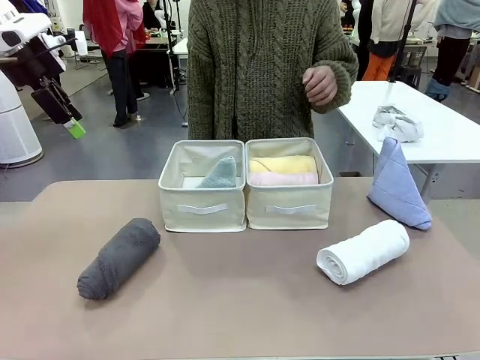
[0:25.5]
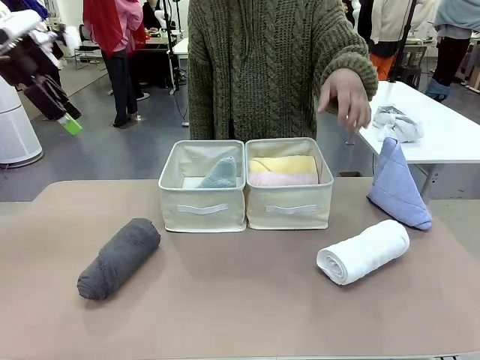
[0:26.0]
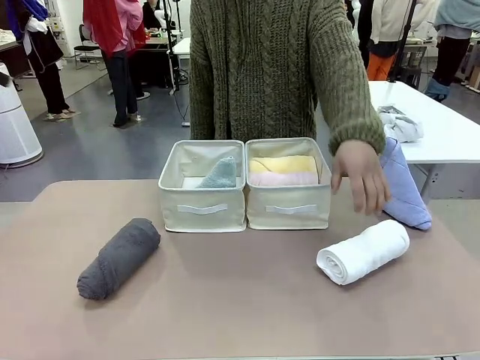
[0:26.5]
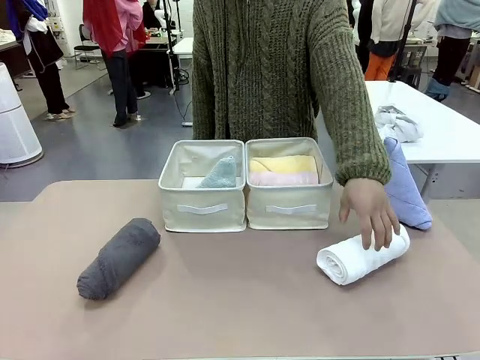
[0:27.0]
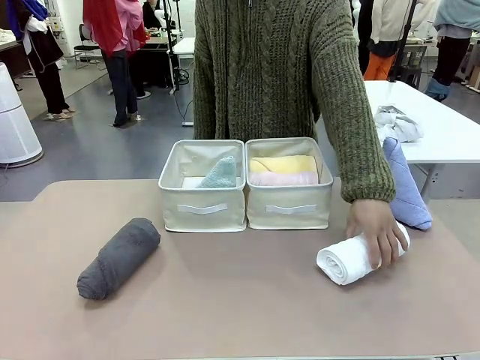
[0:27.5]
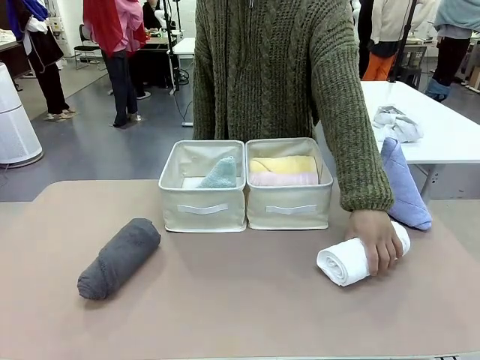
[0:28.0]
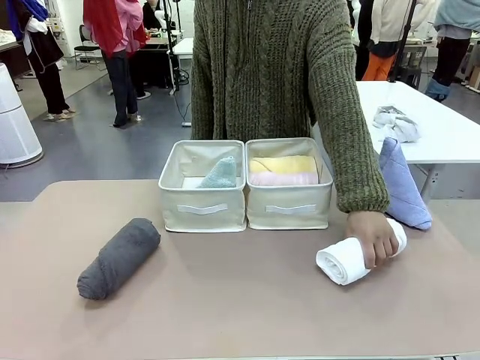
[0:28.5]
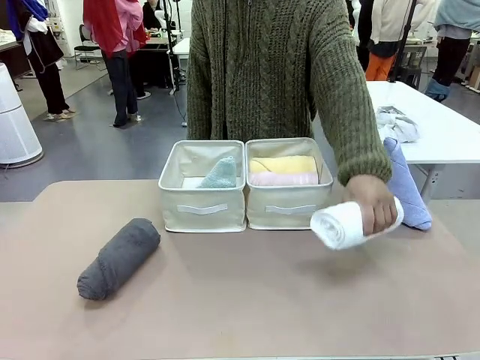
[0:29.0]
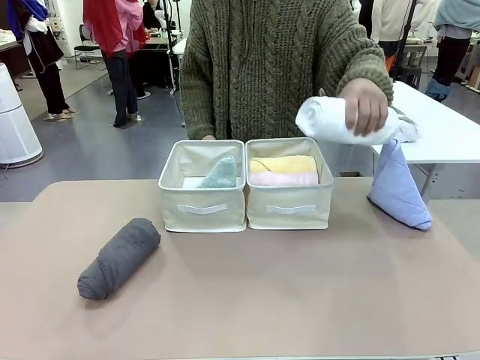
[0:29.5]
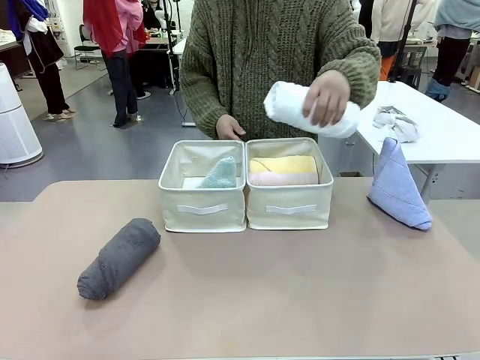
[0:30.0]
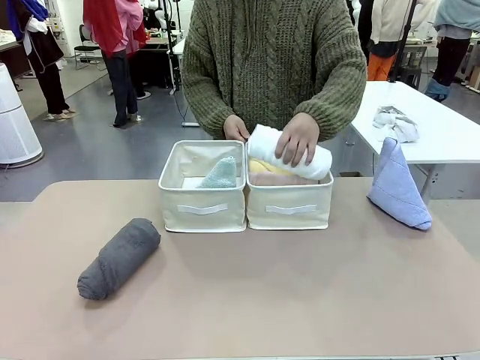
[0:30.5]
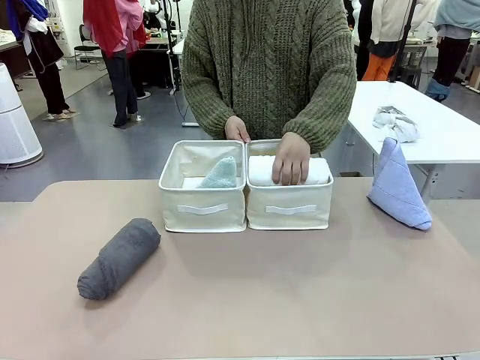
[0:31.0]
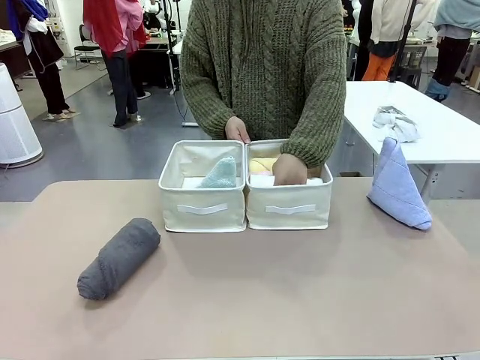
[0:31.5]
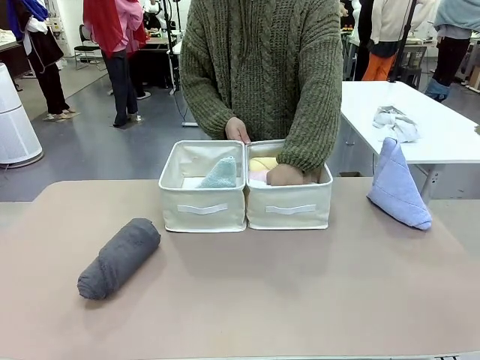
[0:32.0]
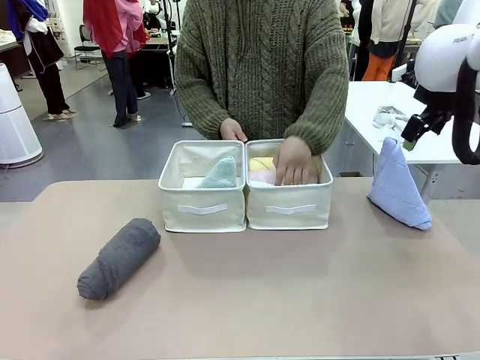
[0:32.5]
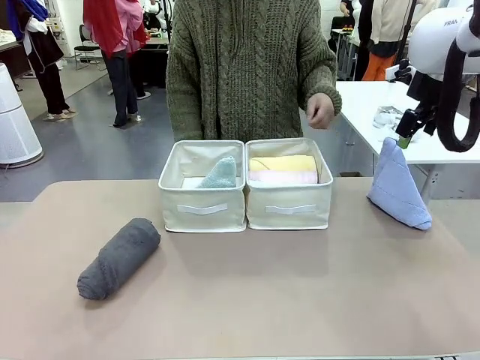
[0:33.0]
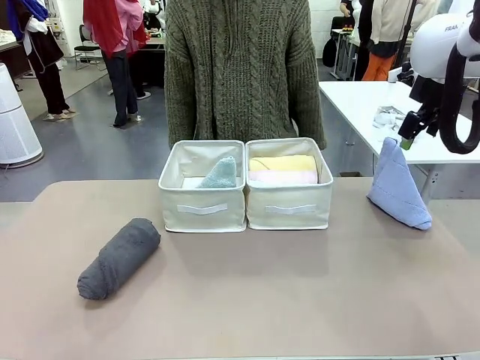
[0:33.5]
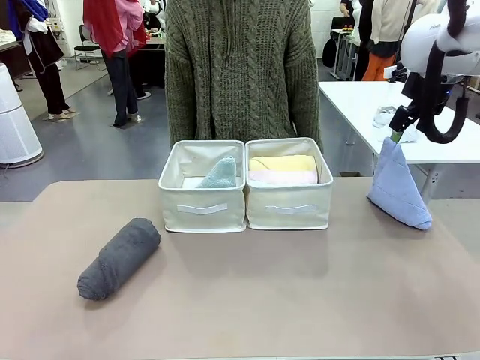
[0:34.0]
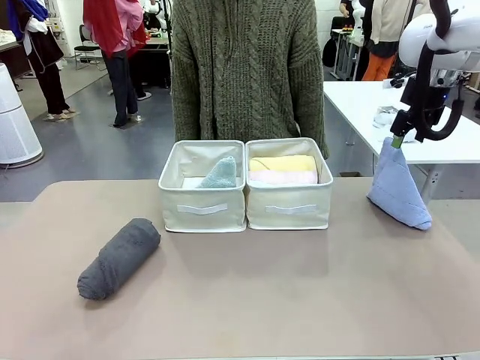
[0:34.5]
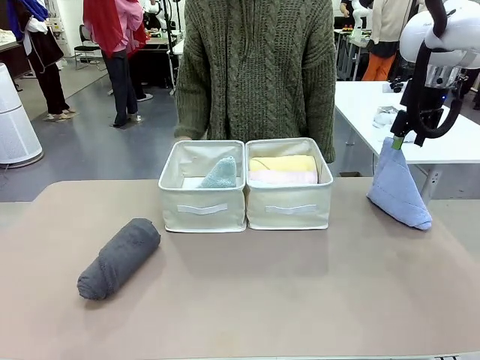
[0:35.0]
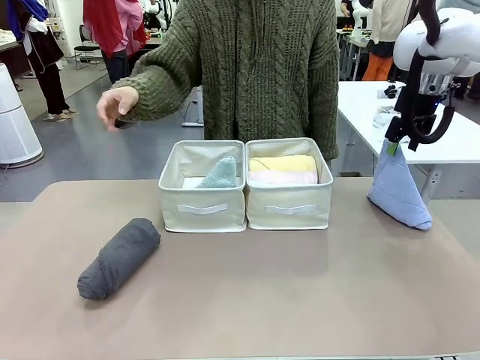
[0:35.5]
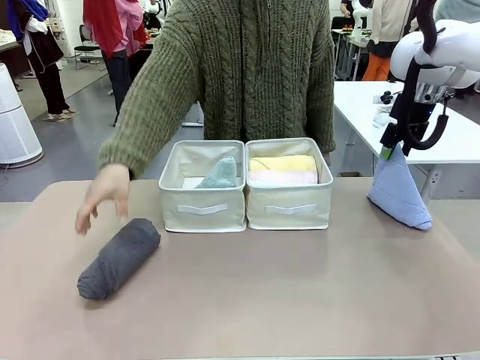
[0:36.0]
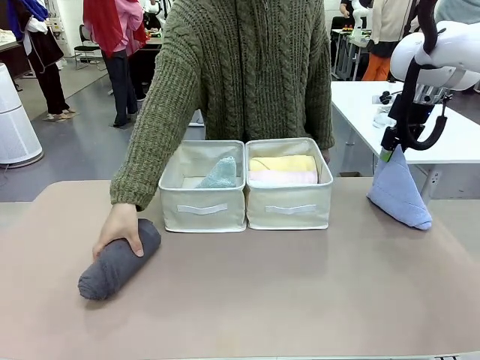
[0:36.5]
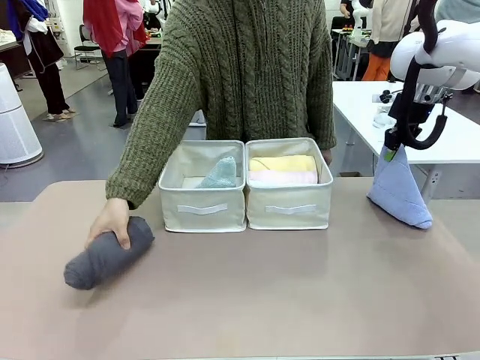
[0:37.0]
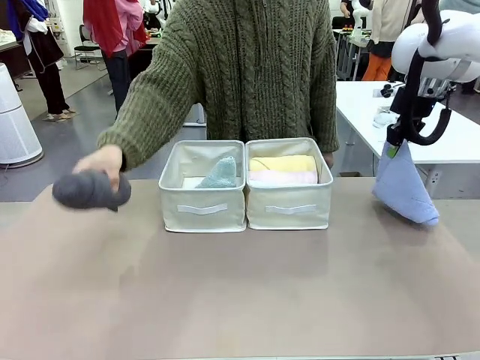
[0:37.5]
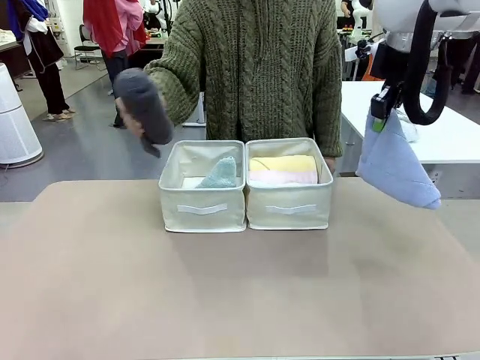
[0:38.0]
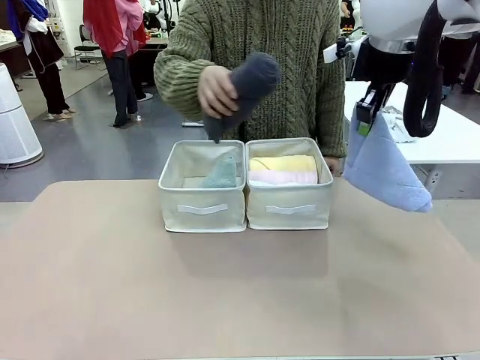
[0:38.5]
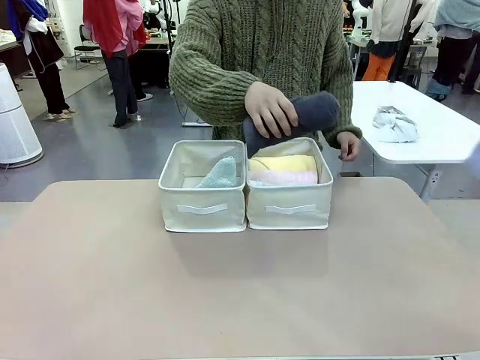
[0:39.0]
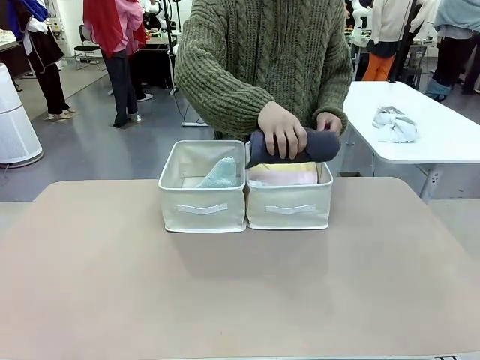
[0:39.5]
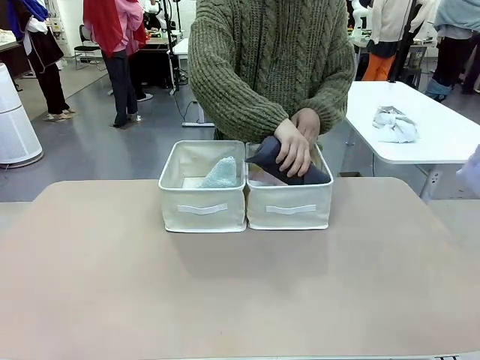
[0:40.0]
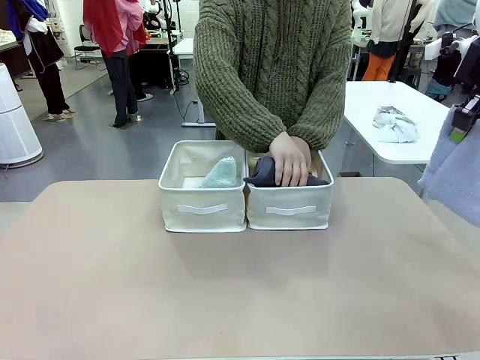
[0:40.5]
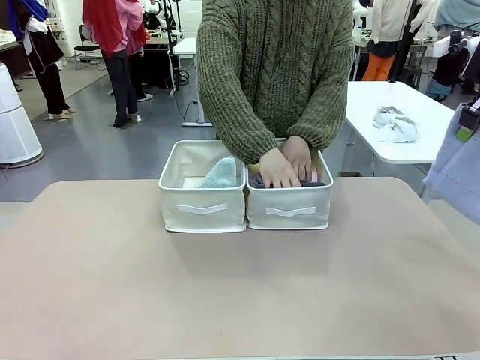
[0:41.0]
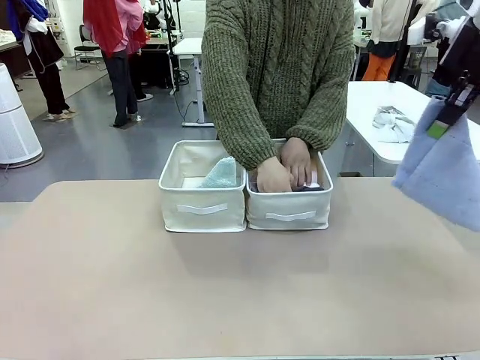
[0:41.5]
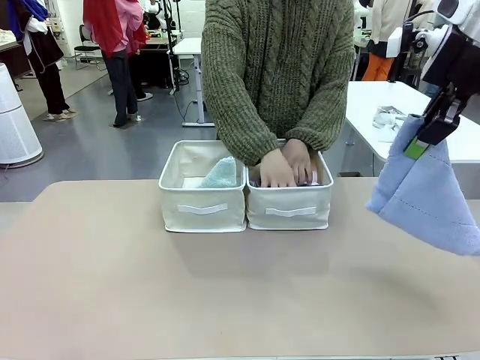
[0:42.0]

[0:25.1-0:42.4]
Task: Sort the towels based on their folding style.
Robot: Pick up another triangle-folded towel from the table and place it in the left Fabric basket.

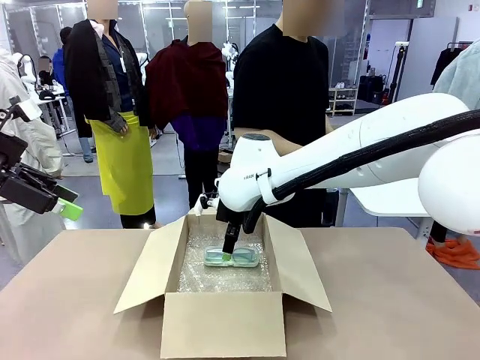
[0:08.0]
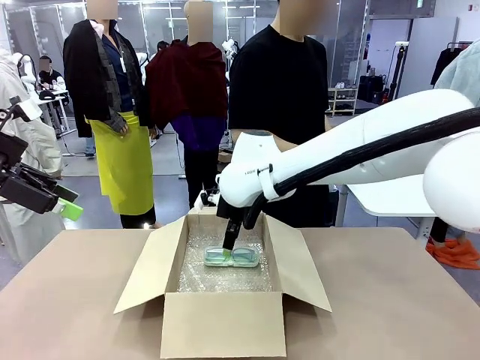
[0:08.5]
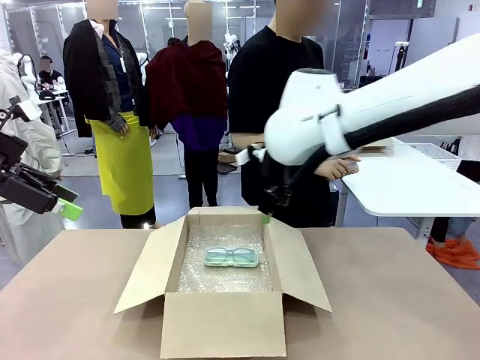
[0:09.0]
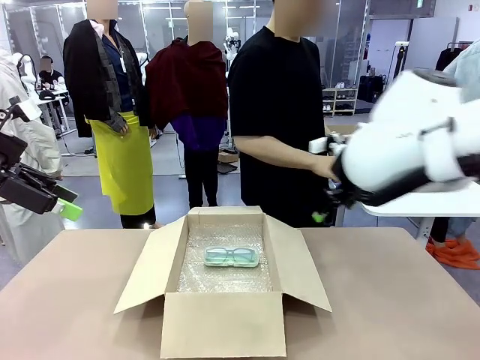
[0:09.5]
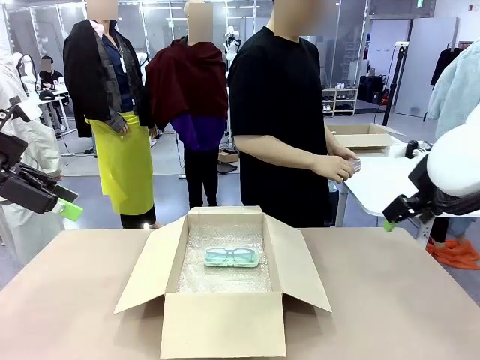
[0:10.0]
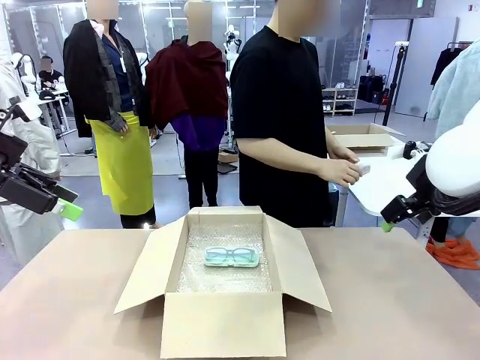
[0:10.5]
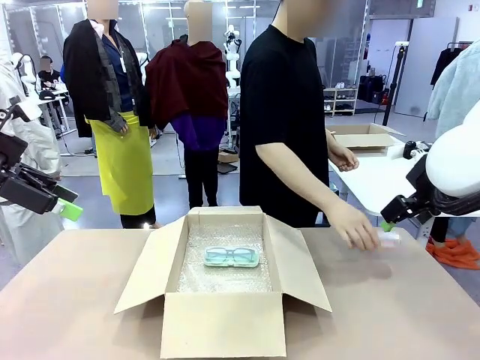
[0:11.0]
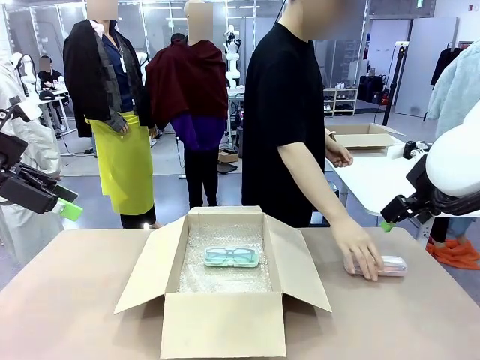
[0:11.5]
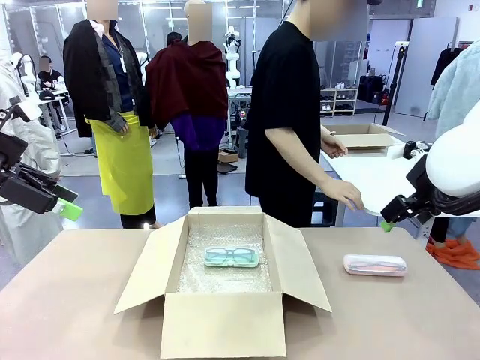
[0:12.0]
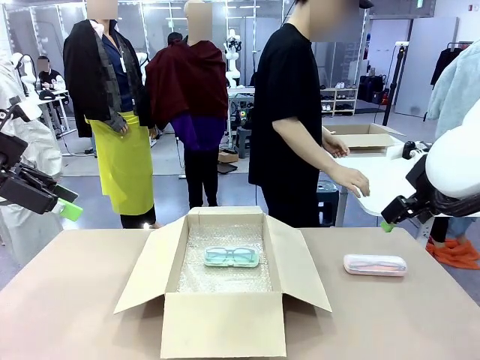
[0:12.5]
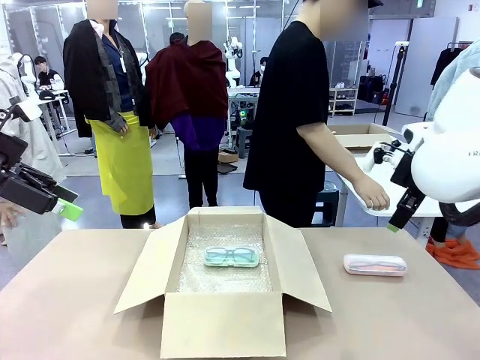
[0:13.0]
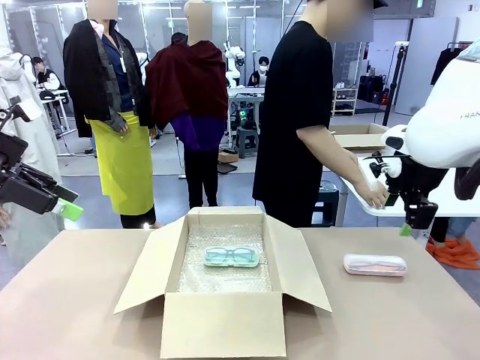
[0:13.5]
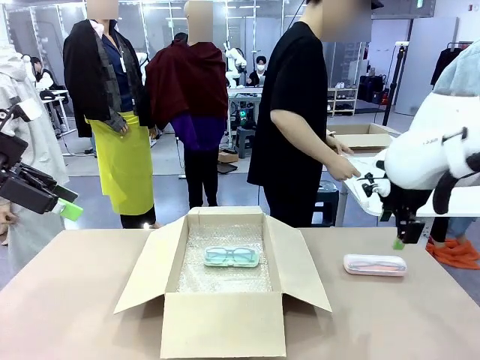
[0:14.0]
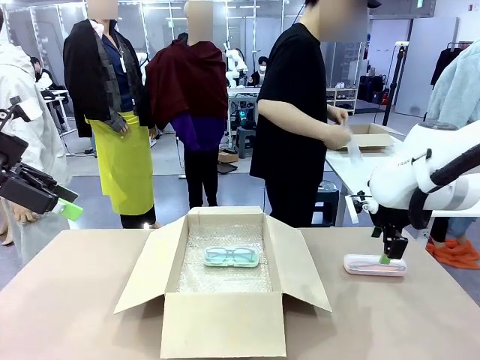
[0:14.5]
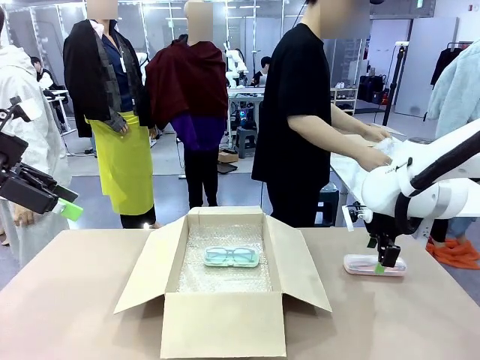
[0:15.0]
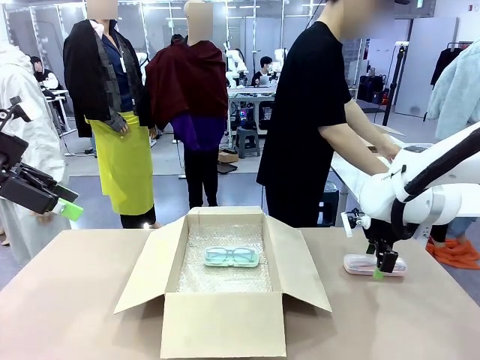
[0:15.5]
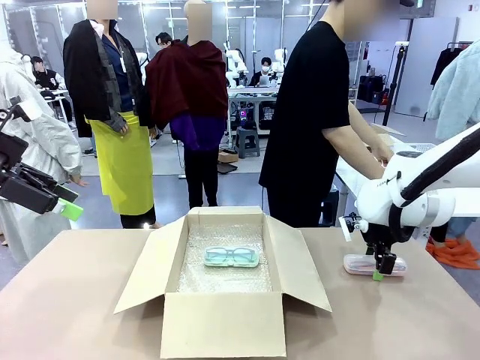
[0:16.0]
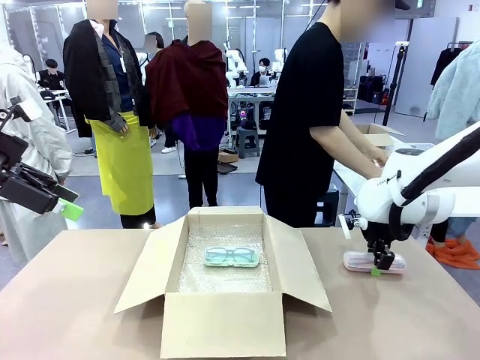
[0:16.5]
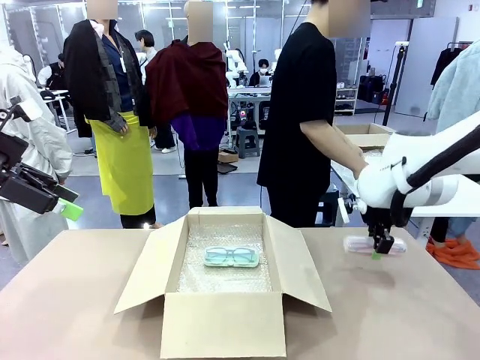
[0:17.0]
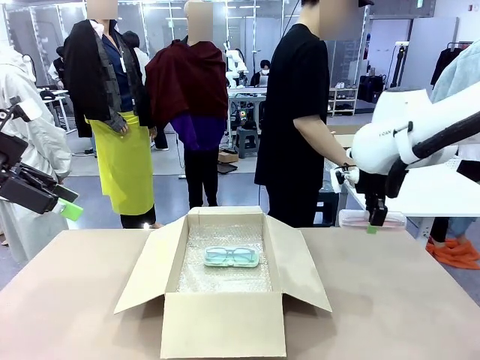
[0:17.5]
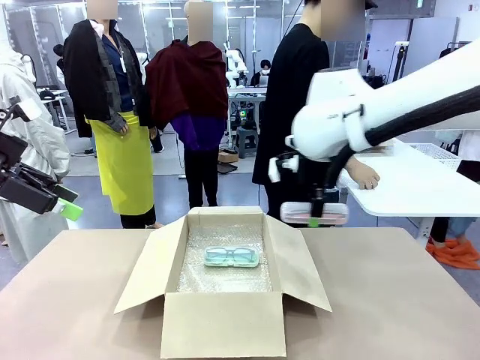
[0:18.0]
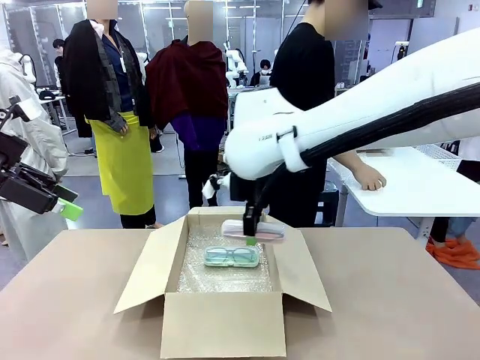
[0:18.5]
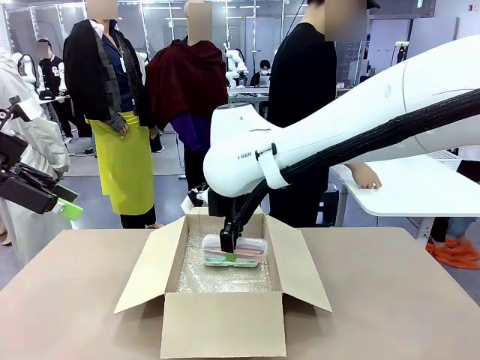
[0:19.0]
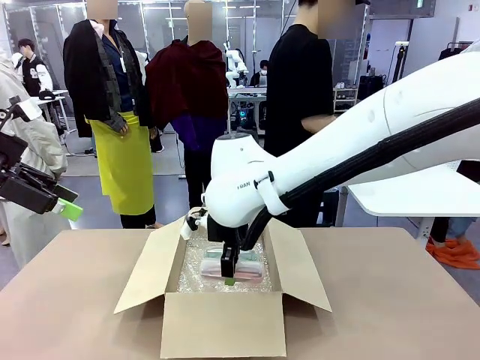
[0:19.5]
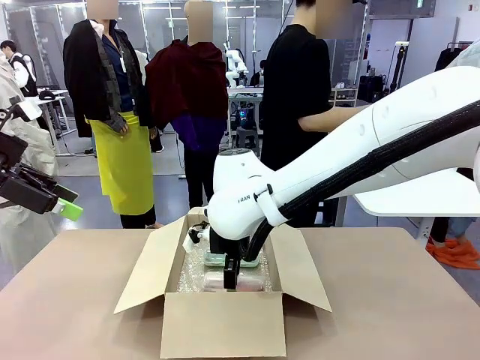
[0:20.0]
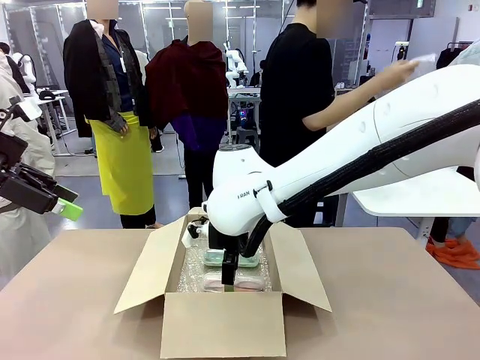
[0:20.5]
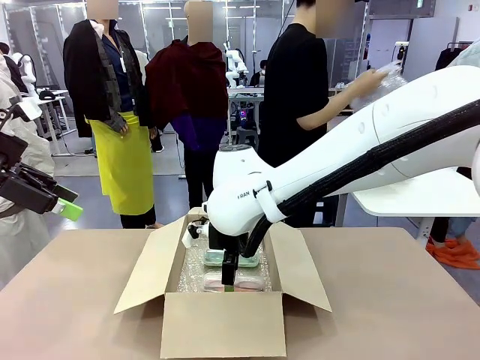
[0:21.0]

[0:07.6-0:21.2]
Task: Pack the glasses set securely to prepare it for shipping.
Robot: Put the Glasses case from the right side of the table into the Package Box.
Person: Position the Glasses case on the left side of the robot's table.
